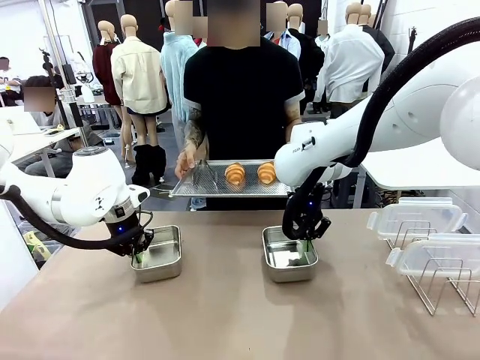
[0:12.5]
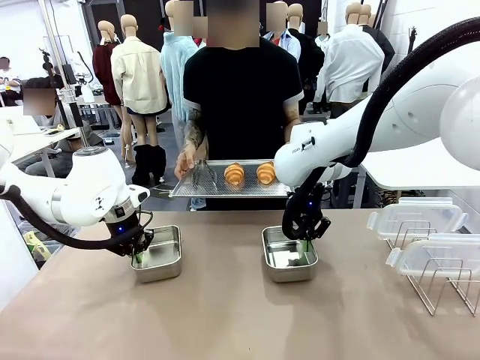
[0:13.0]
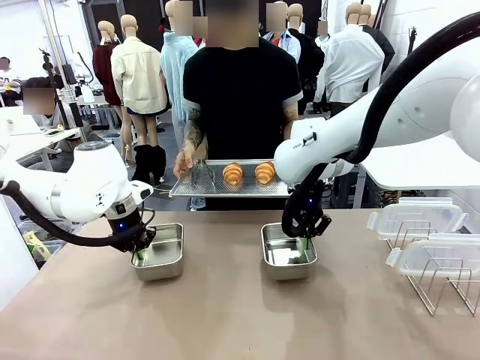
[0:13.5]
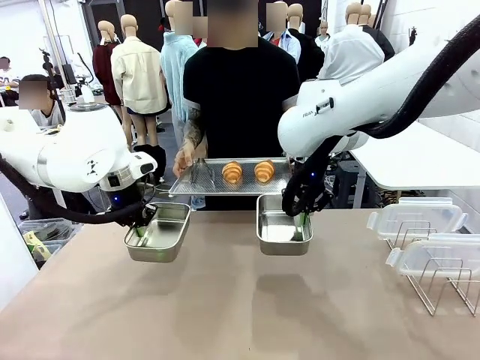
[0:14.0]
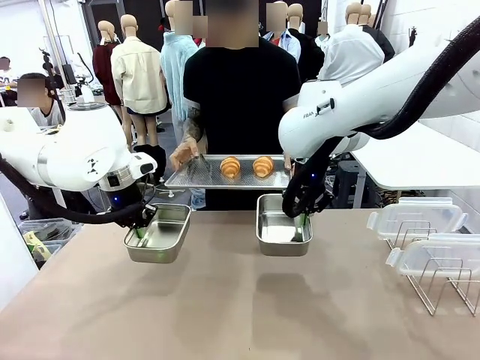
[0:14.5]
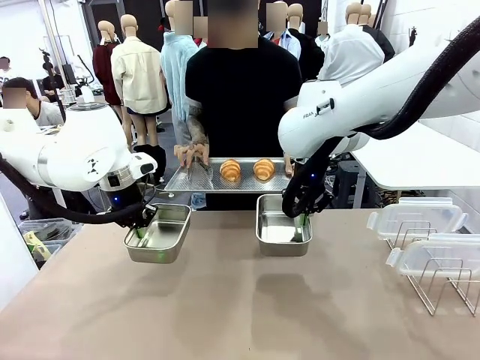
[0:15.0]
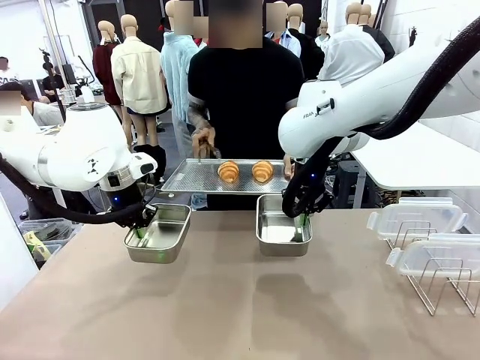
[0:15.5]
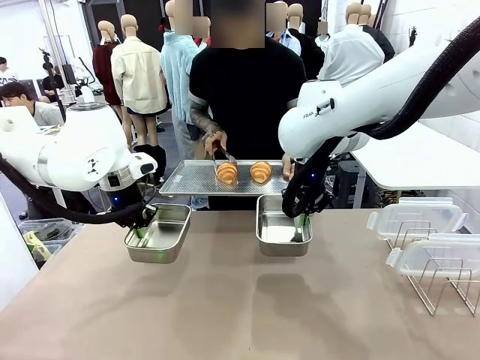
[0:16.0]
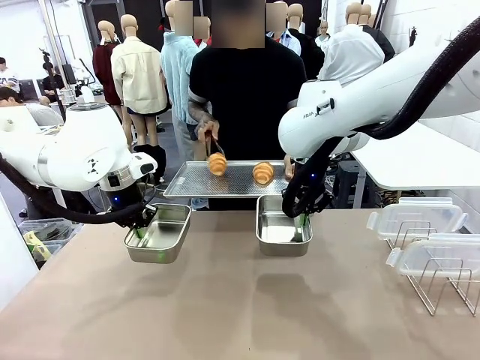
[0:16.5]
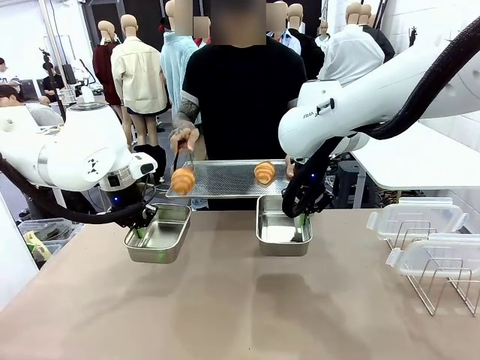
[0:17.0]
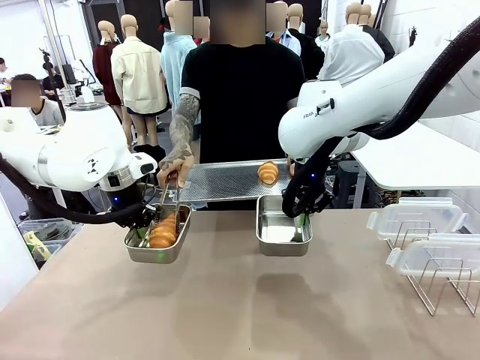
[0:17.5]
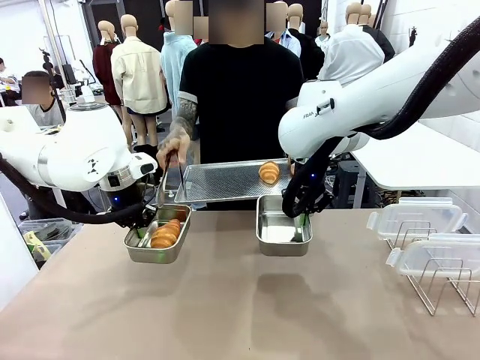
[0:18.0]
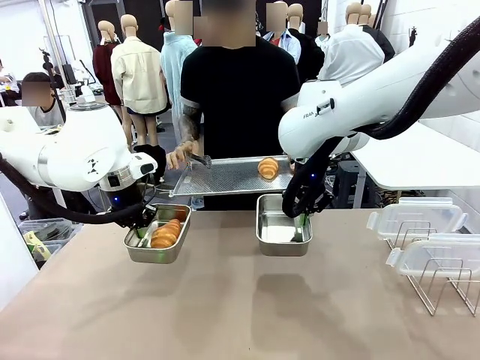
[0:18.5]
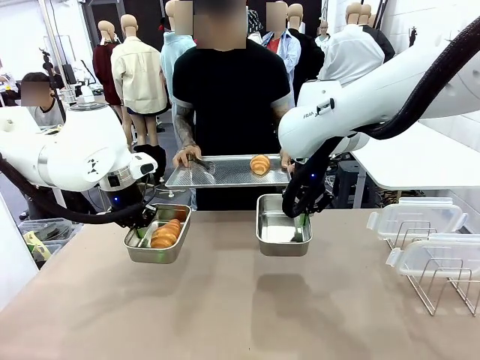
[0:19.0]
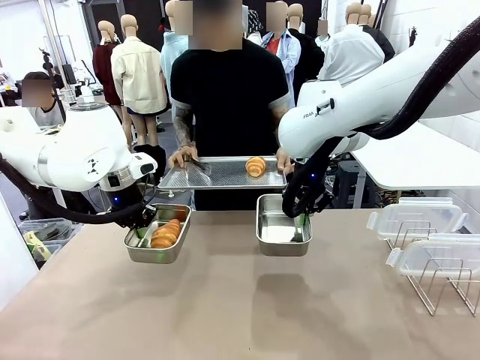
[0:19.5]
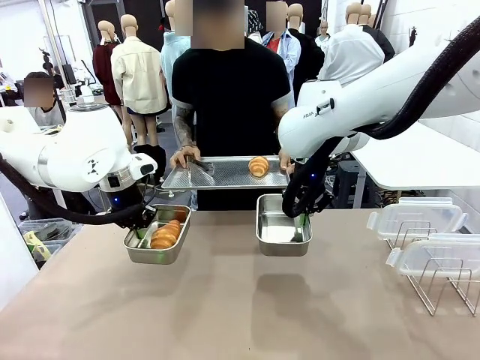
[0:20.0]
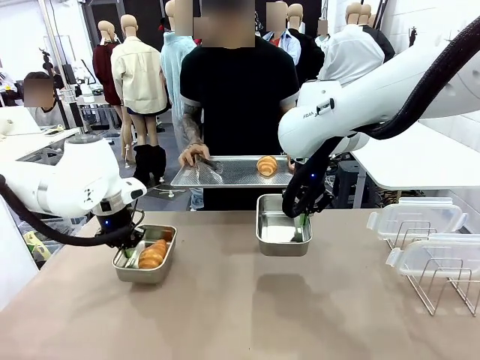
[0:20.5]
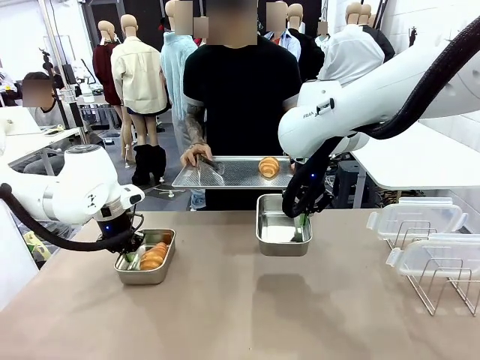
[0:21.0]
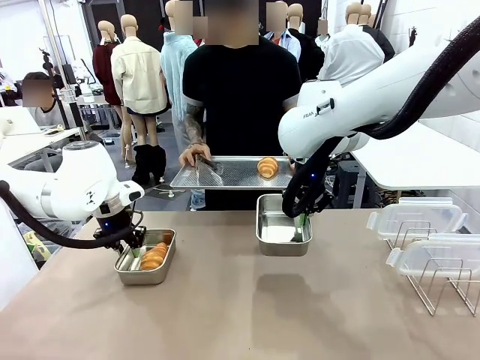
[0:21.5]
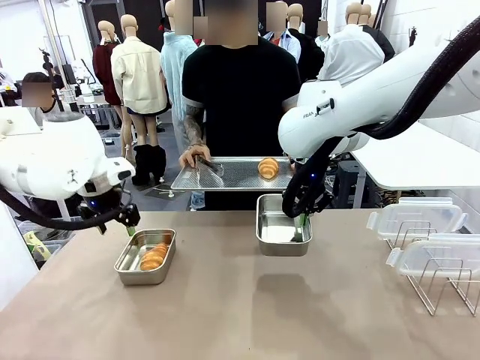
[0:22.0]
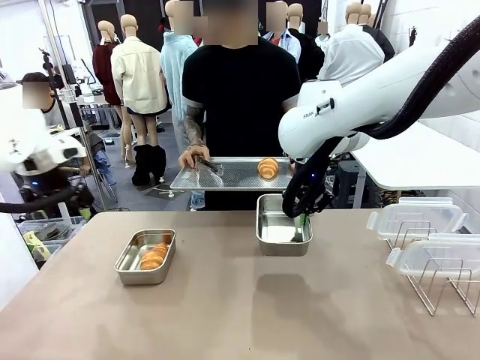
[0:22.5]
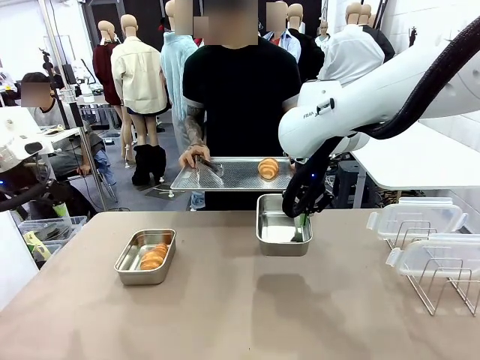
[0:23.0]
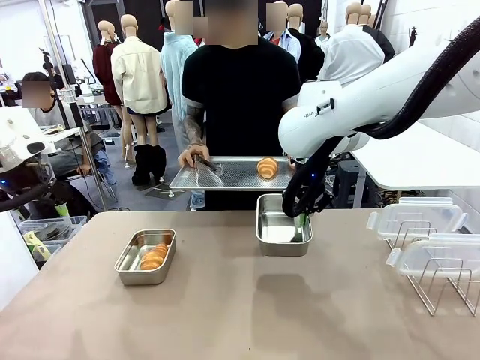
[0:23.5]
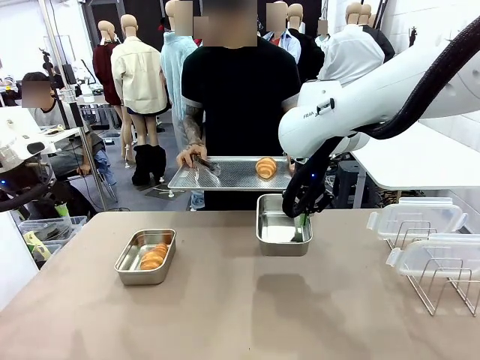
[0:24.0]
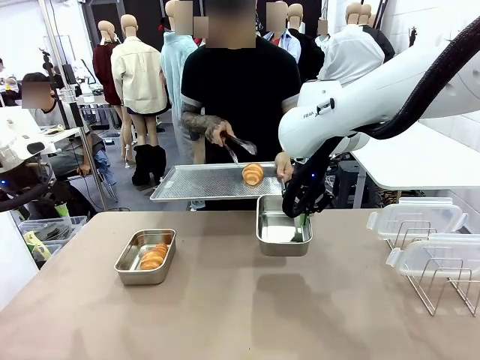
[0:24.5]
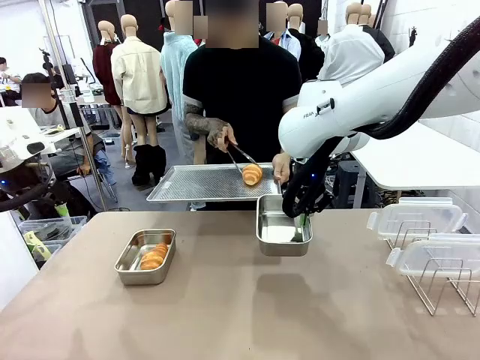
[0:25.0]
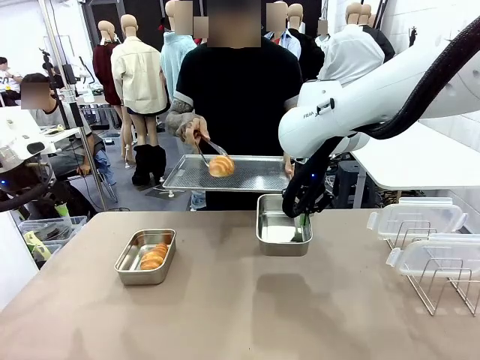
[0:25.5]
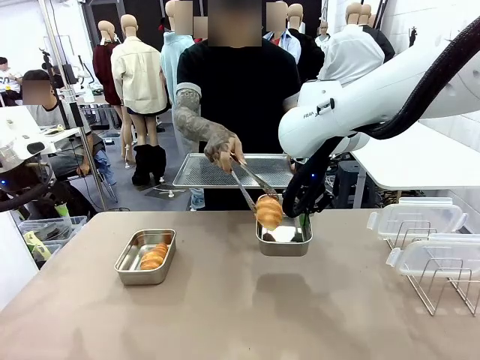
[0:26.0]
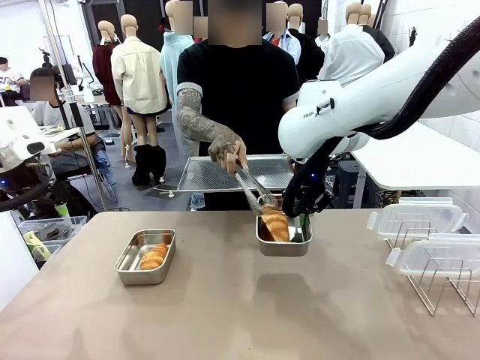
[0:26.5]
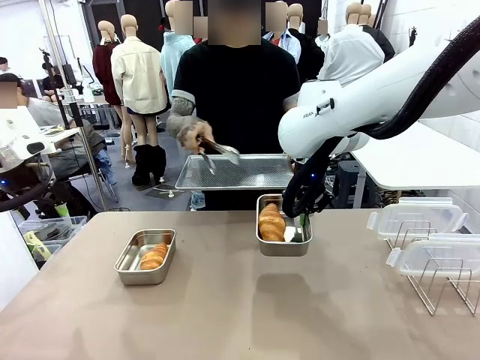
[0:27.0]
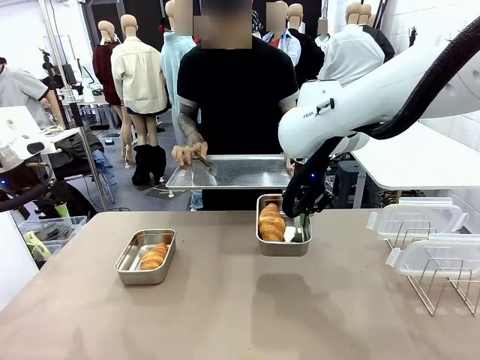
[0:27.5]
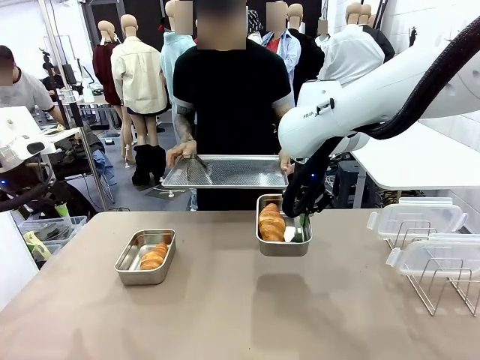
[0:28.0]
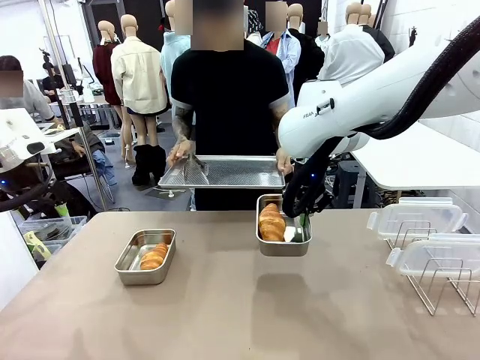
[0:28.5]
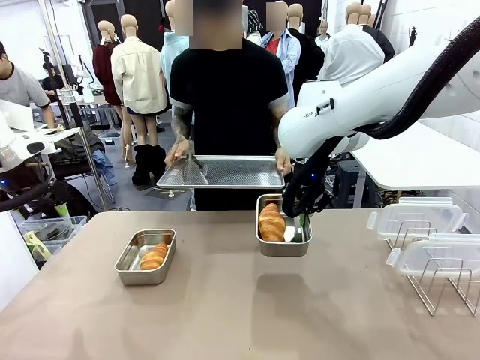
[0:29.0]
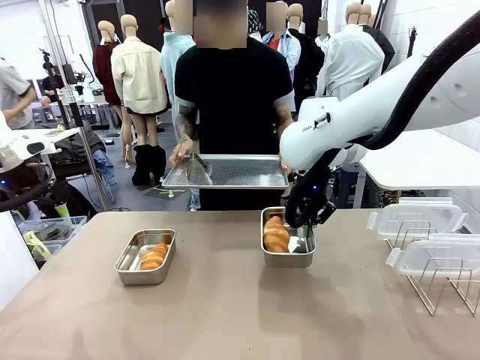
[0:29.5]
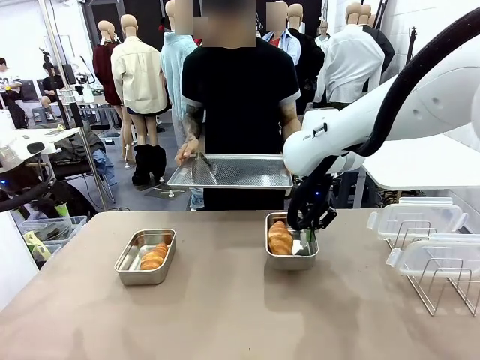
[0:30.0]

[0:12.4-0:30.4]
Task: Place the bread in airtight containers.
Robot: Once an object is inside an Airtight Container , place the container in the center of the table.
Person: Use the Stainless steel tongs to place one object from Baking Sheet into one Airtight Container.

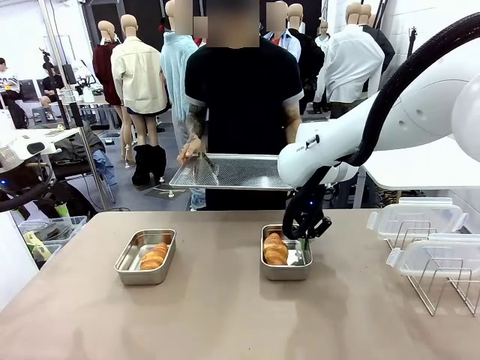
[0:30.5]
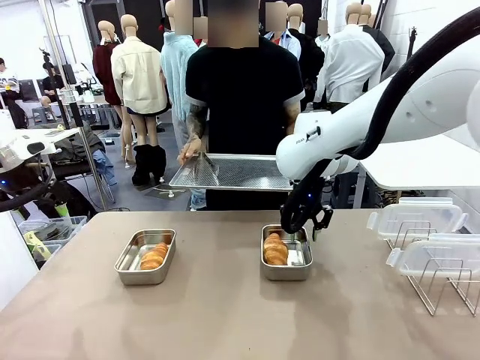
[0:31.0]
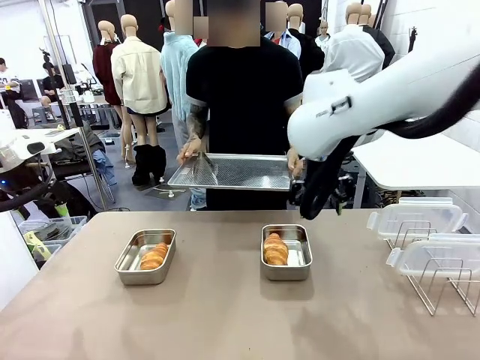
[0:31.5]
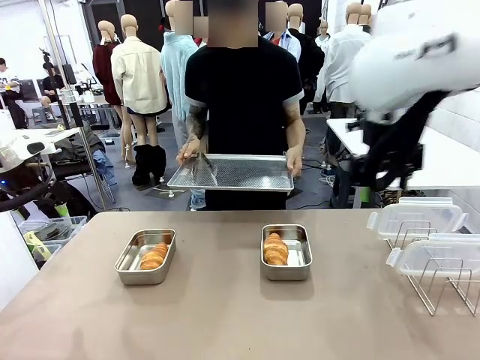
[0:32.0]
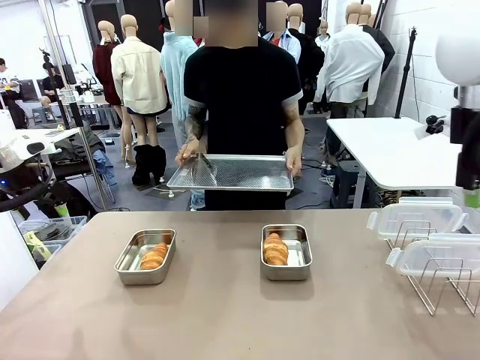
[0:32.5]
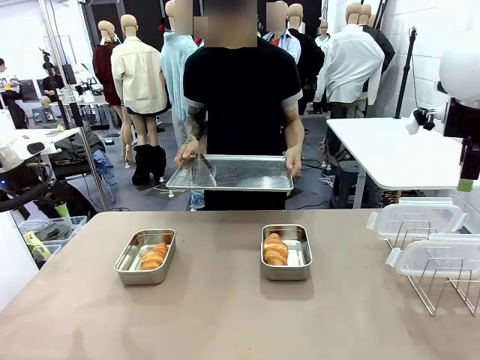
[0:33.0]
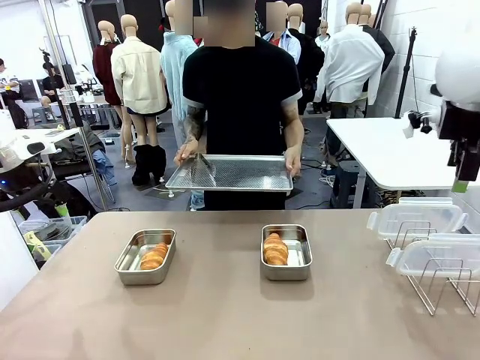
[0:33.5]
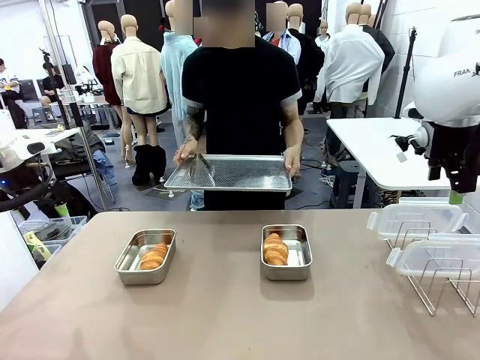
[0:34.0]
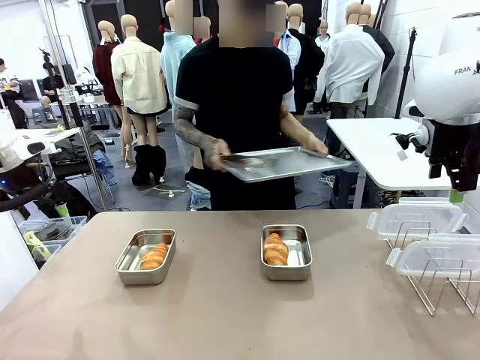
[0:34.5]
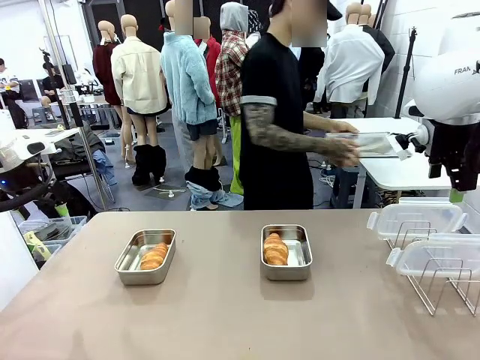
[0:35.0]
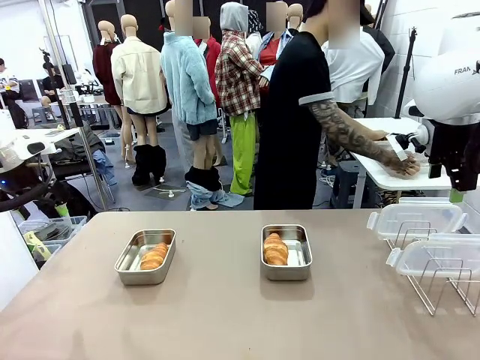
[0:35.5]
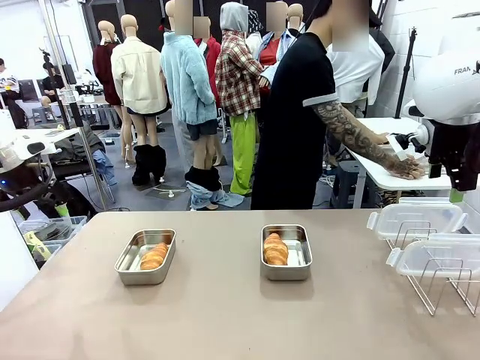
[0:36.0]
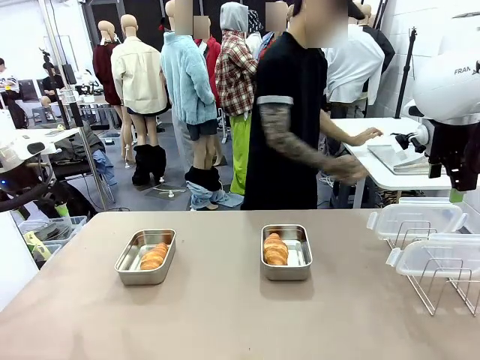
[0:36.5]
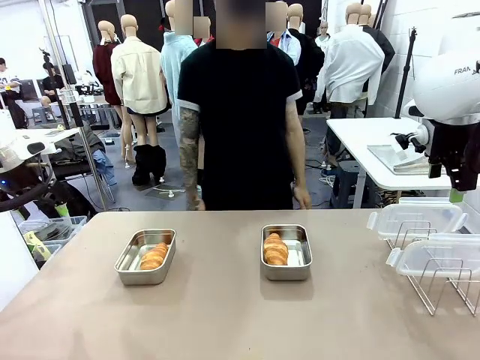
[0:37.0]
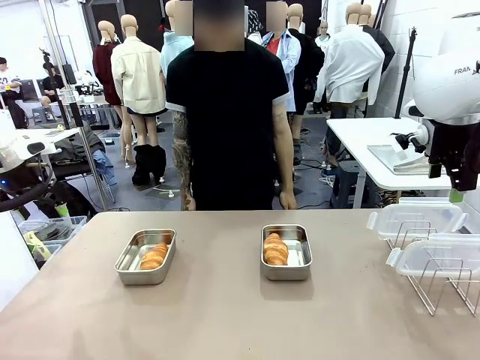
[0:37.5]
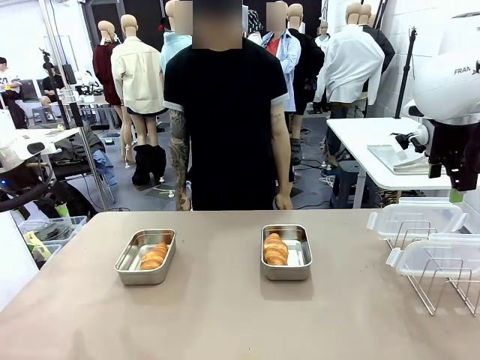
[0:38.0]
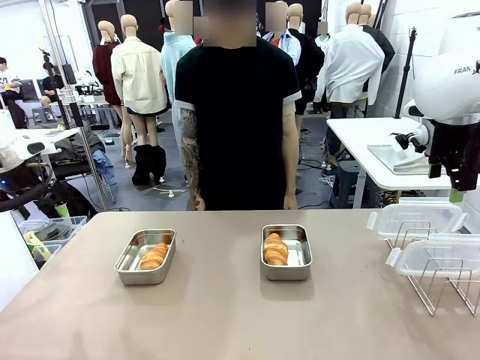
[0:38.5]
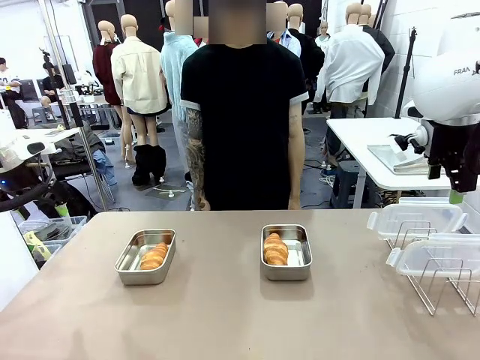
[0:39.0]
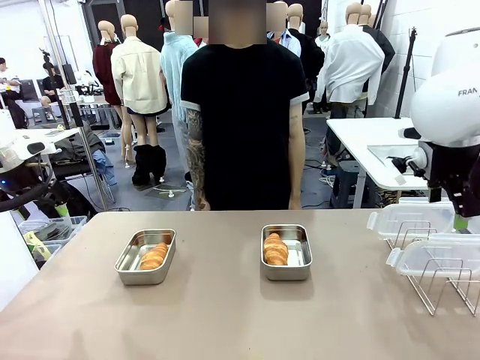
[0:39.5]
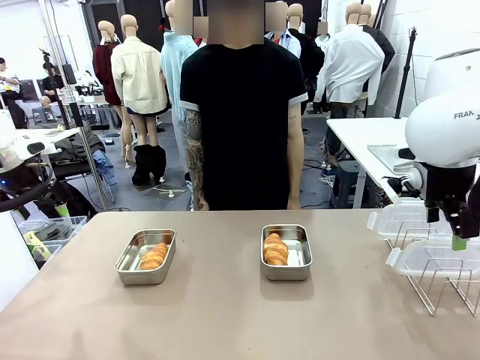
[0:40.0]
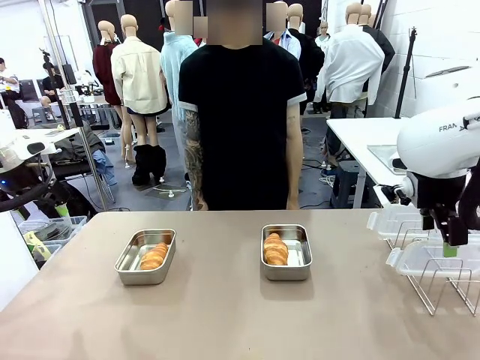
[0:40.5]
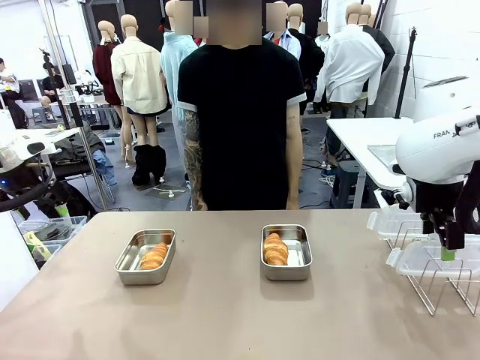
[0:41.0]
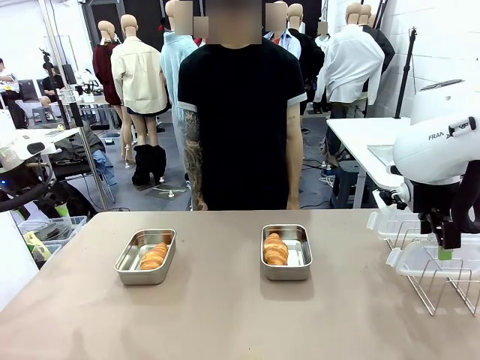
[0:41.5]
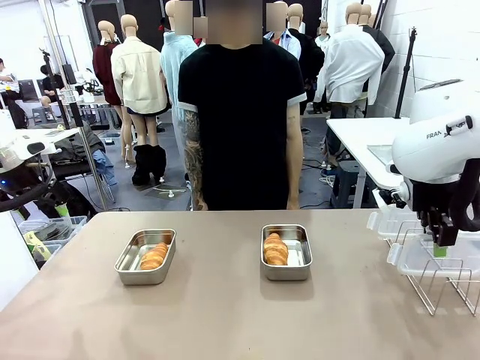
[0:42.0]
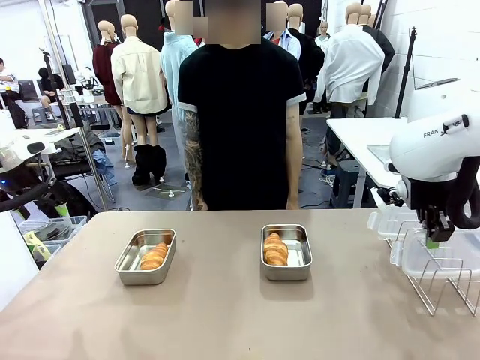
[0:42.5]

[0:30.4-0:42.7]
Robot: Pick up one Airtight Container lid and hand it to the human.
Person: Place Baking Sheet on the Human's Table. Grip Airtight Container lid that robot is handing.
